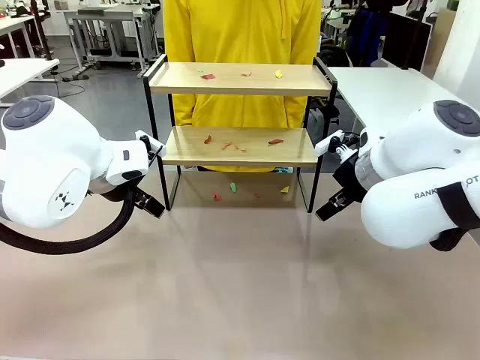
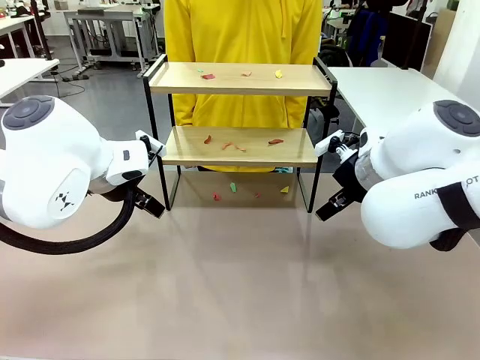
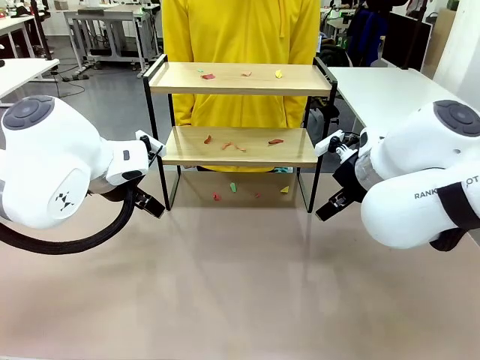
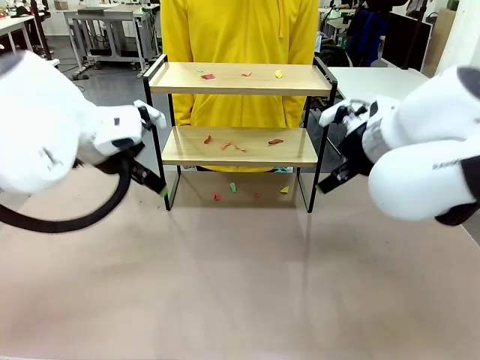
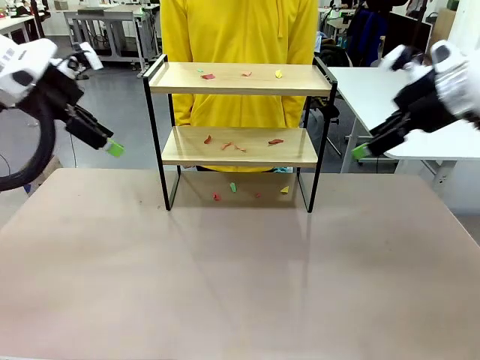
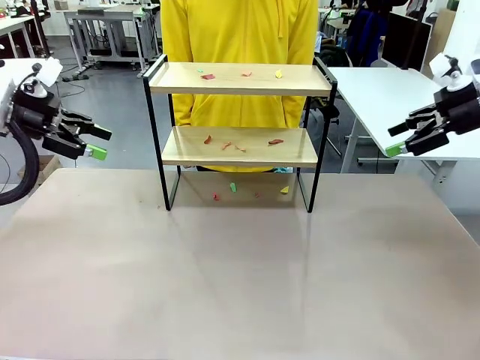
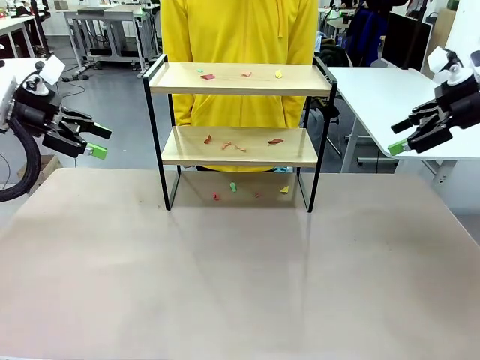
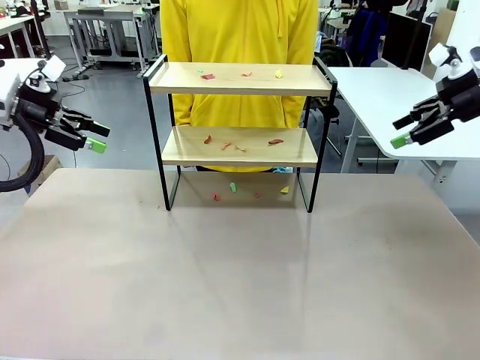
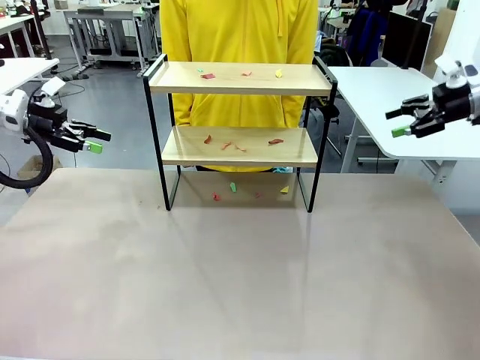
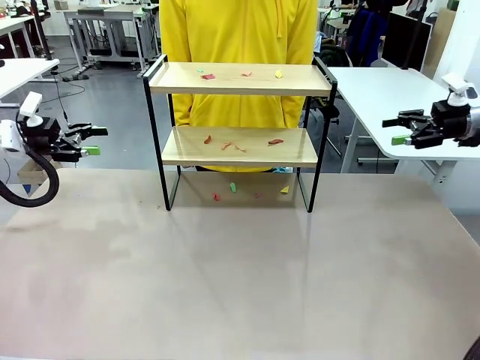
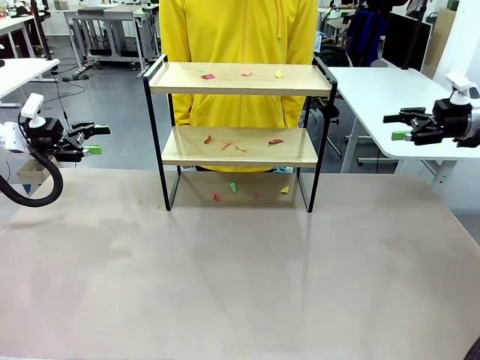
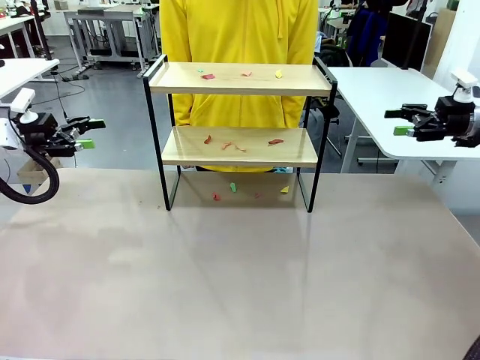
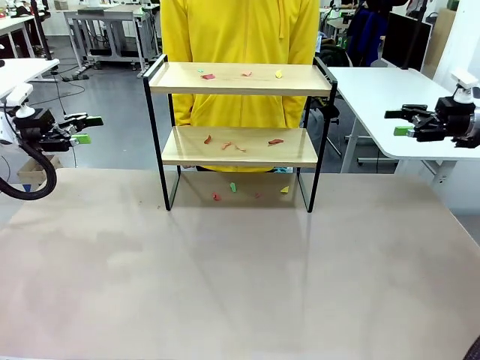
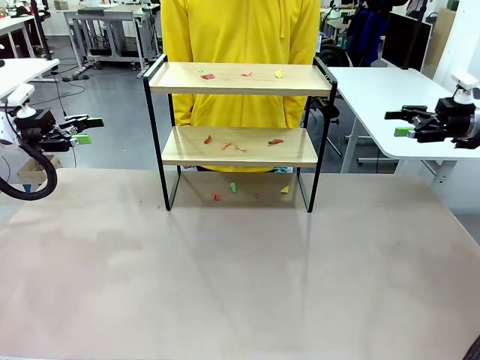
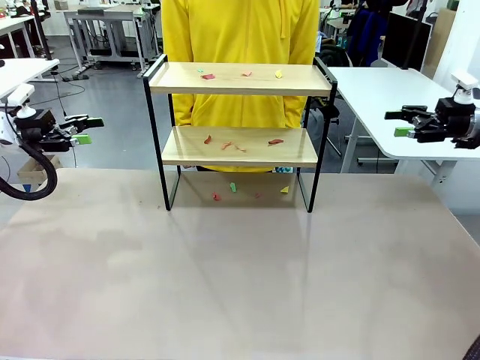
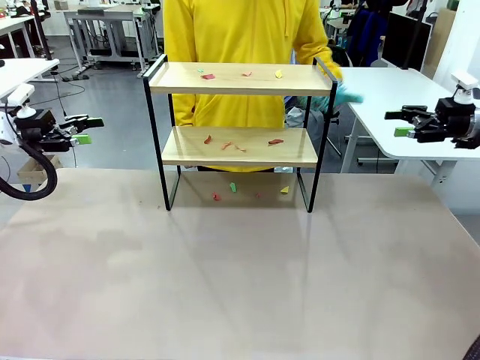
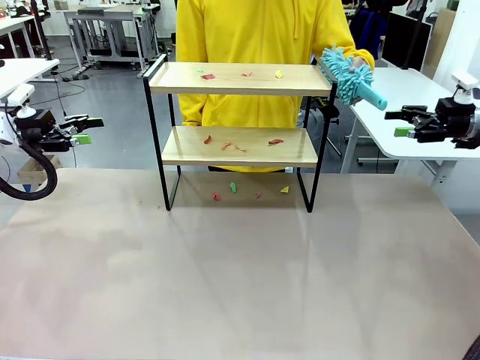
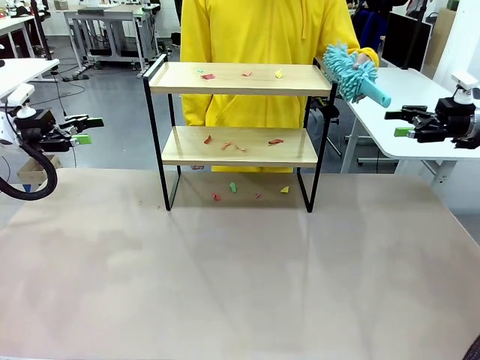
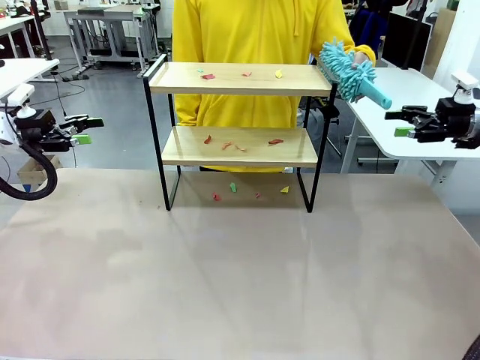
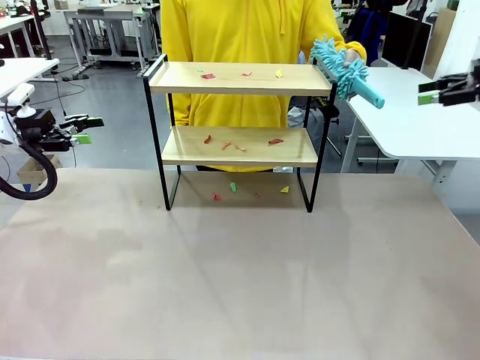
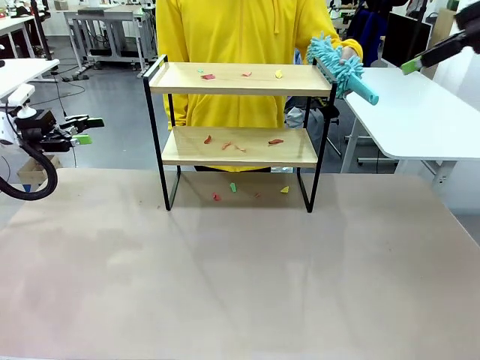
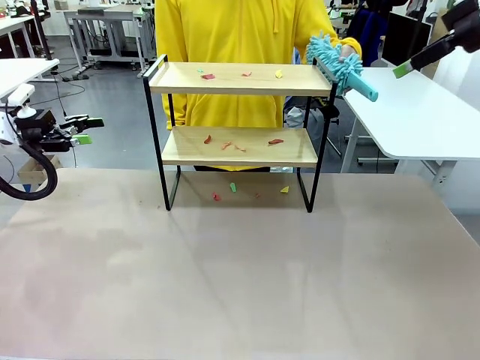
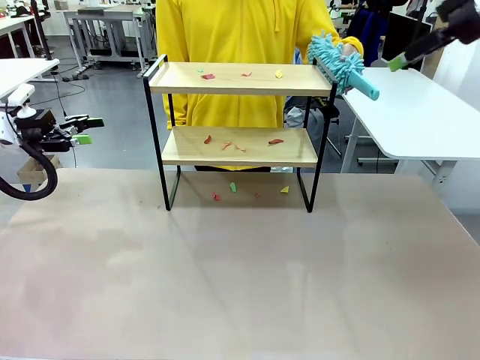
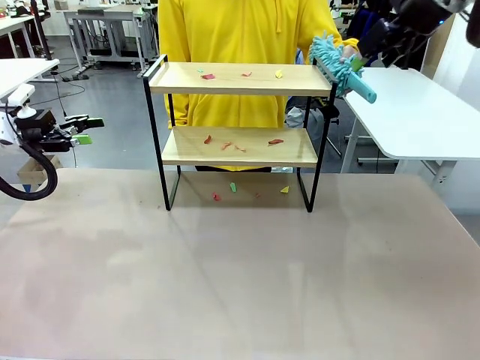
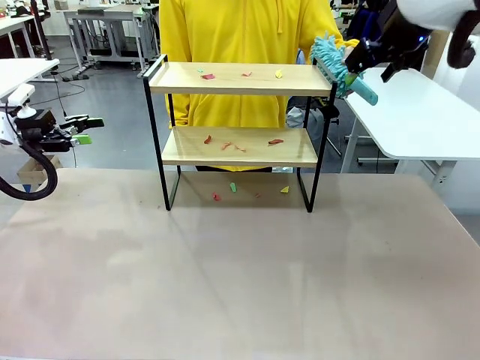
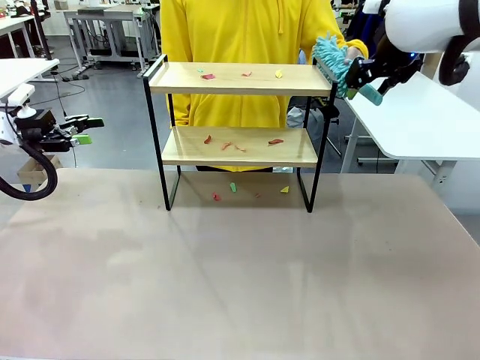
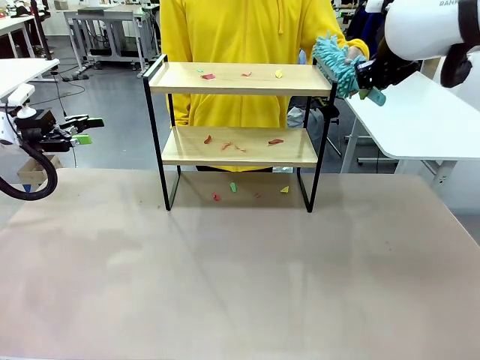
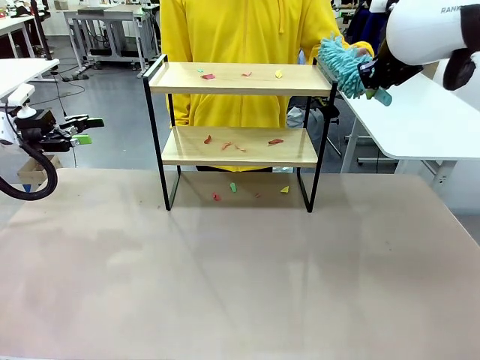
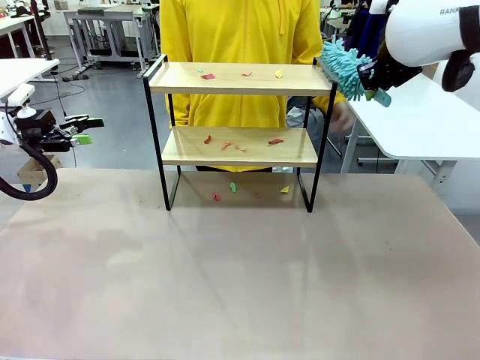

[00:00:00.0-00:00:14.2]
Task: Clean the shelf.
Robot: Pick up the Duster handed by the human.
Person: Hand the Duster to the robot.

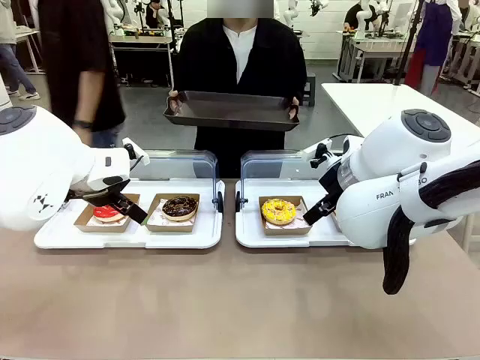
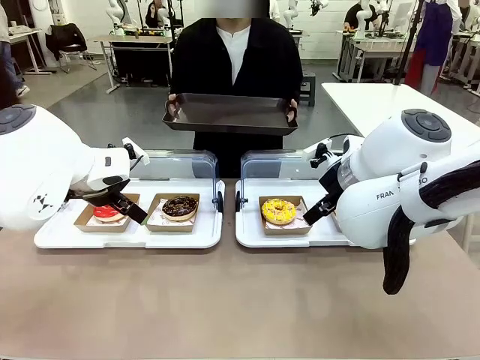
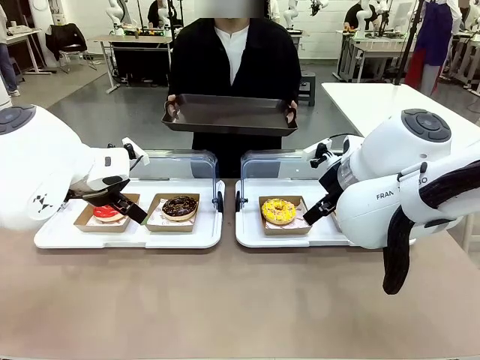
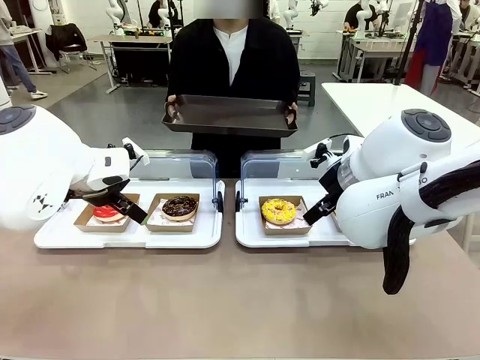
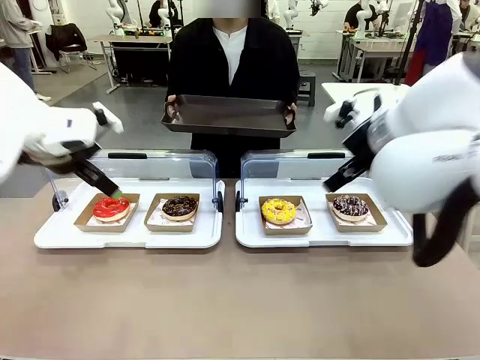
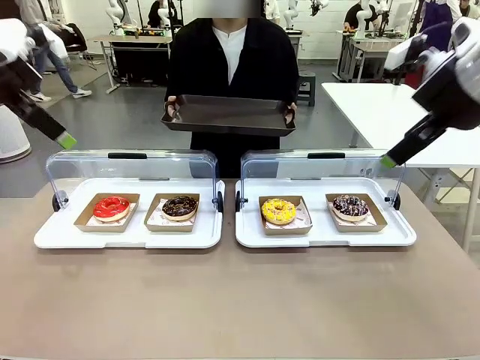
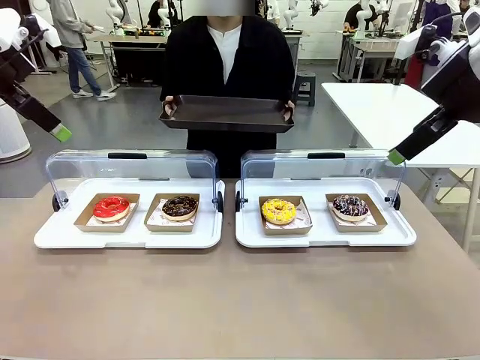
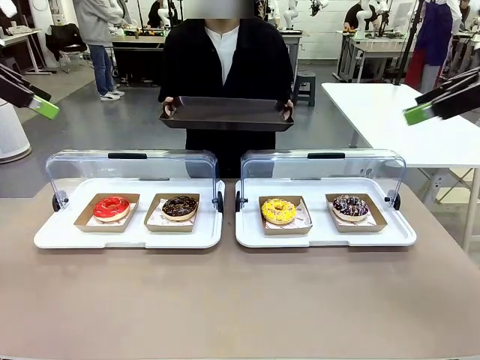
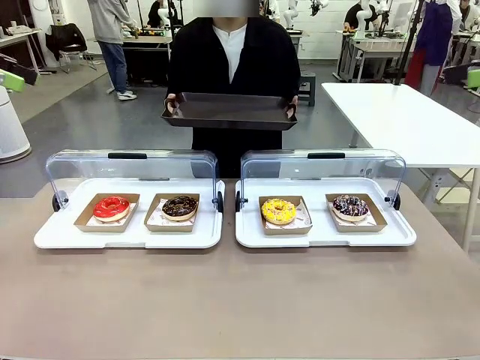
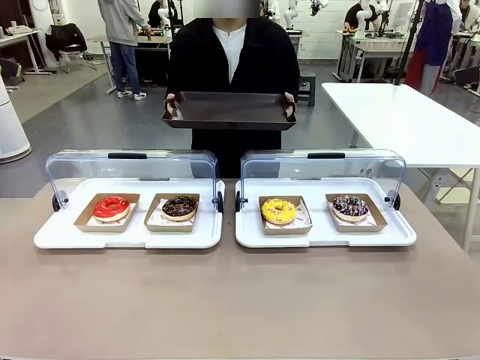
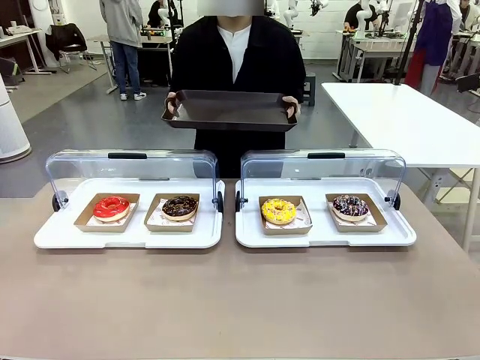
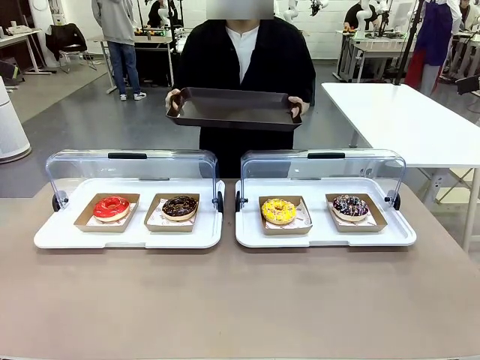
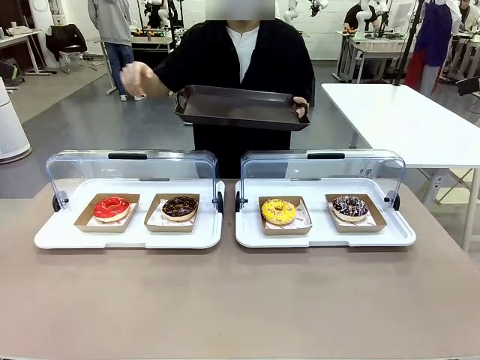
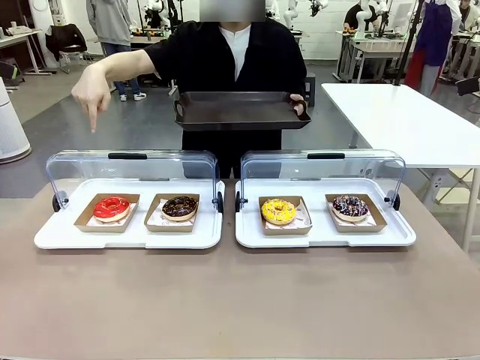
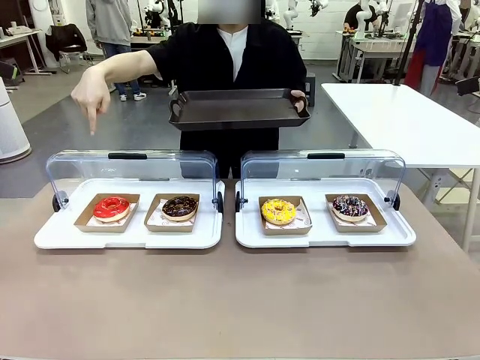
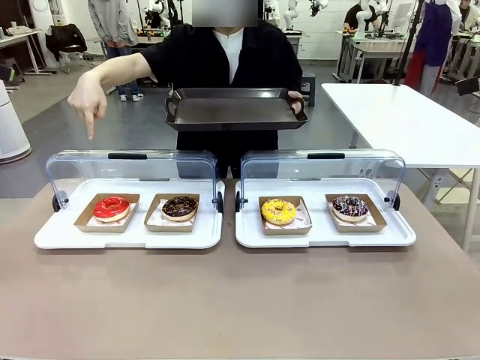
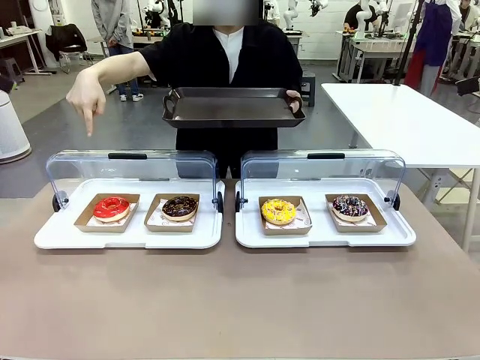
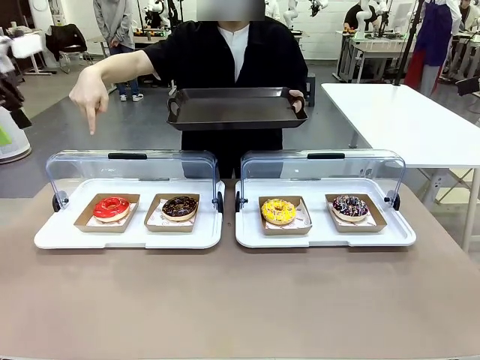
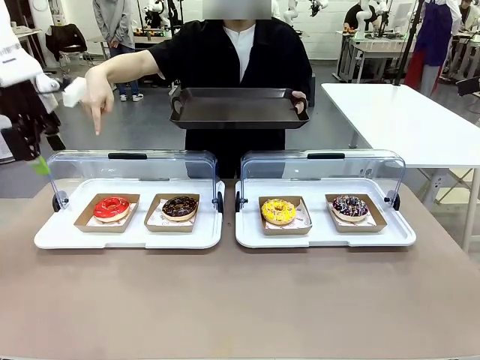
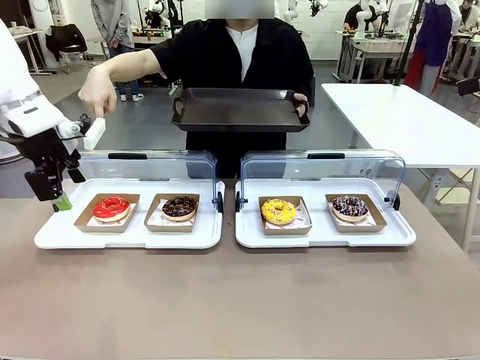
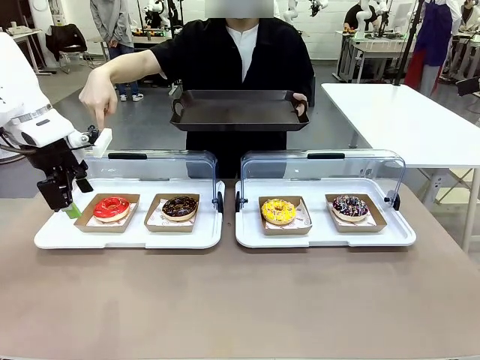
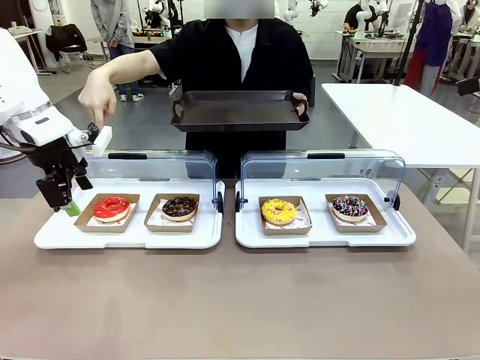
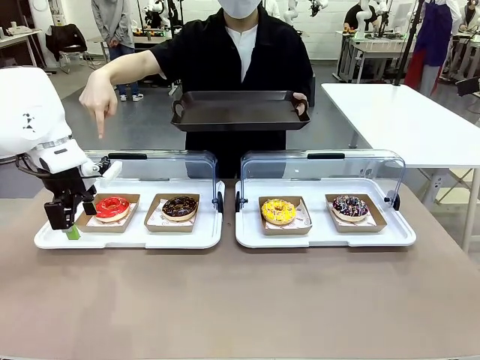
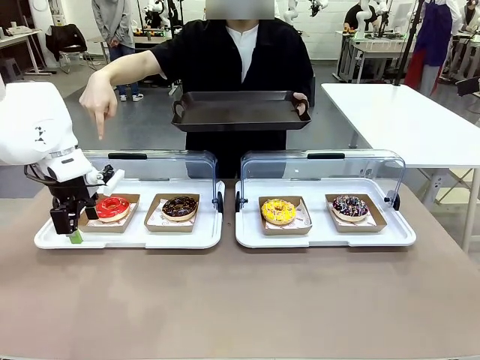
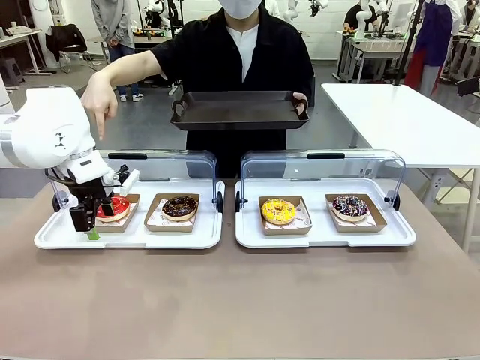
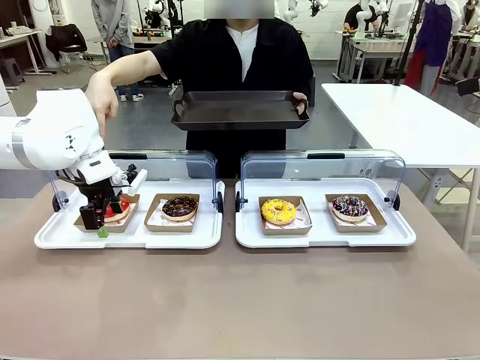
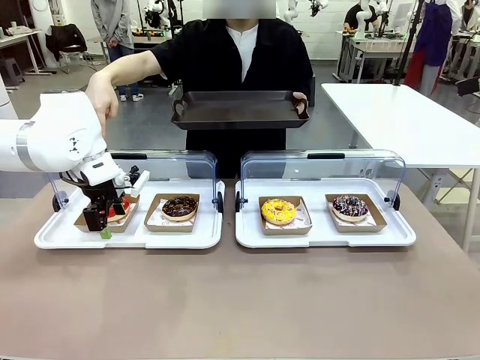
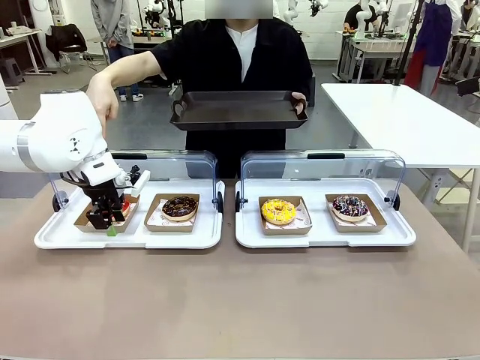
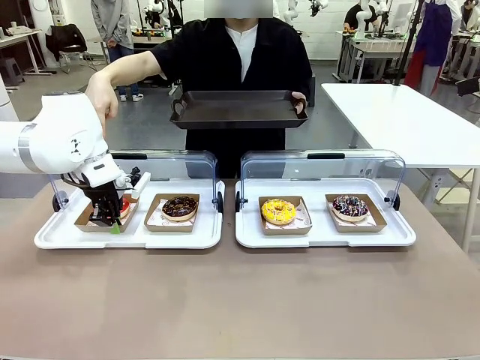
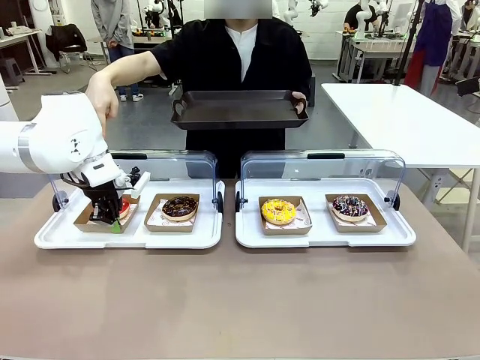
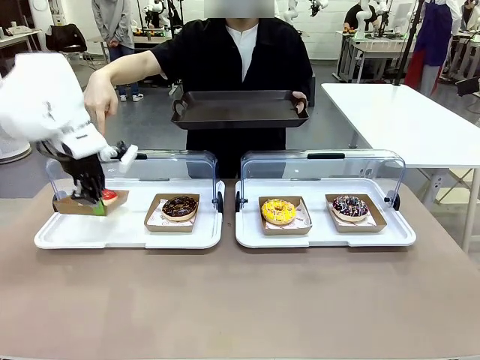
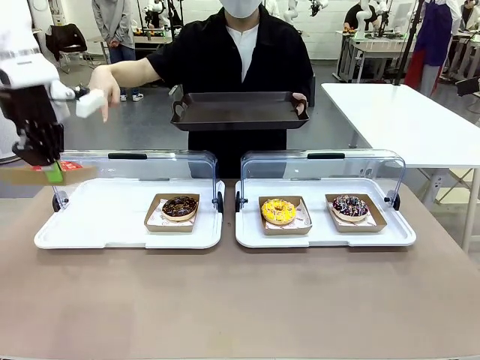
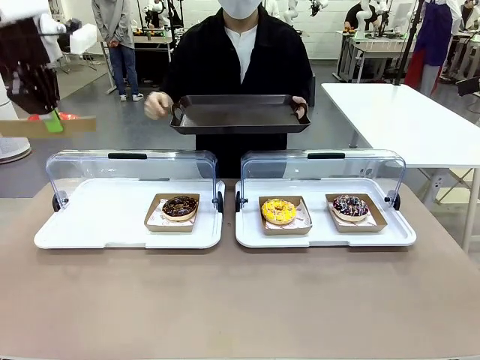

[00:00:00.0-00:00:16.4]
Task: Provide the desired donut to the person.
Robot: Pick up and lift the Paper togo box containing the Donut pointed at by the person.
Person: Point to one donut. Lift the tray onto the Roll-Top Bakery Case.
